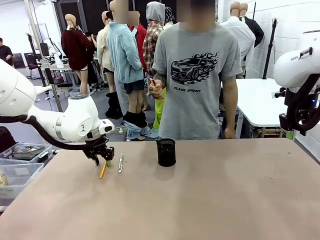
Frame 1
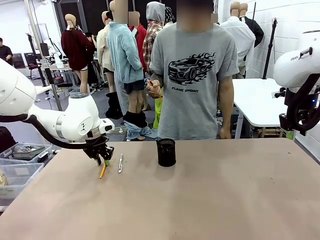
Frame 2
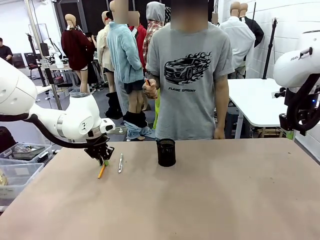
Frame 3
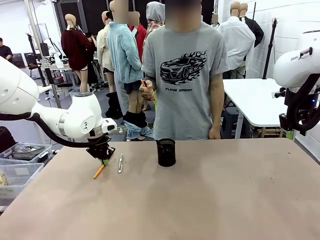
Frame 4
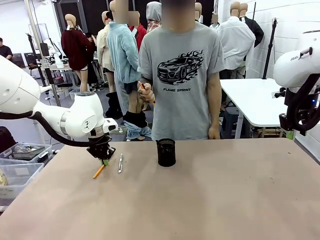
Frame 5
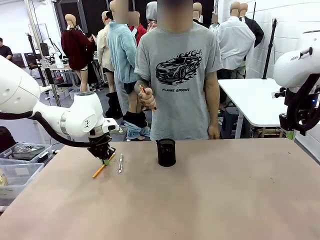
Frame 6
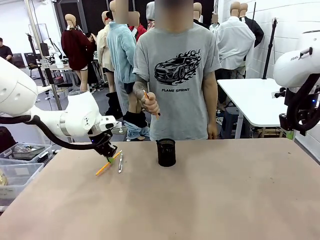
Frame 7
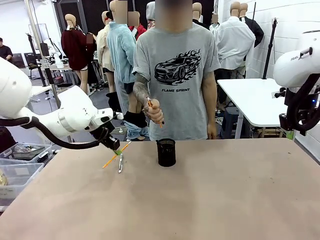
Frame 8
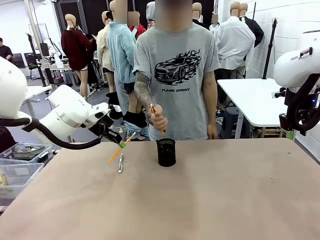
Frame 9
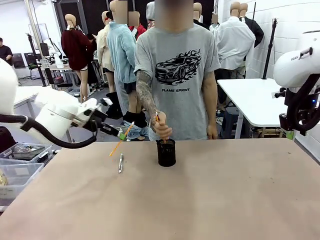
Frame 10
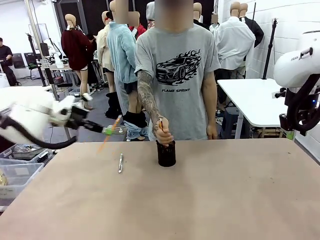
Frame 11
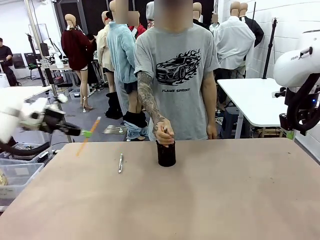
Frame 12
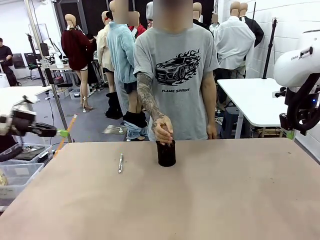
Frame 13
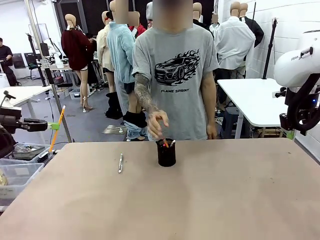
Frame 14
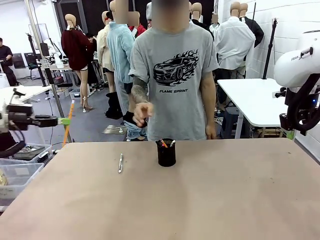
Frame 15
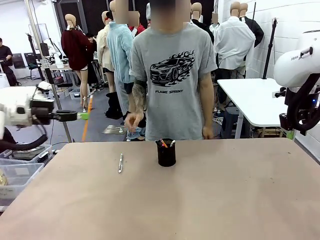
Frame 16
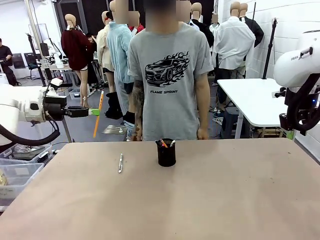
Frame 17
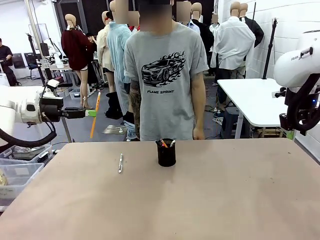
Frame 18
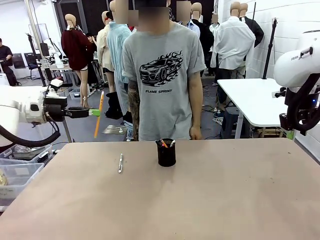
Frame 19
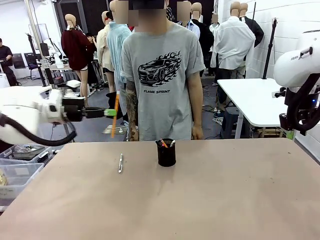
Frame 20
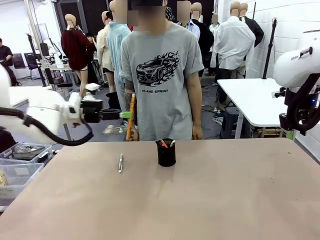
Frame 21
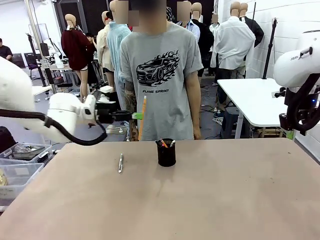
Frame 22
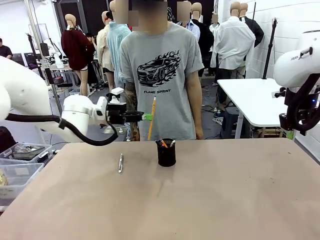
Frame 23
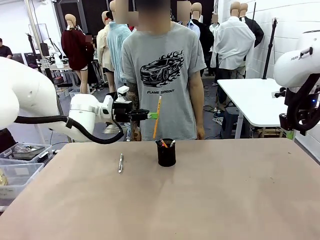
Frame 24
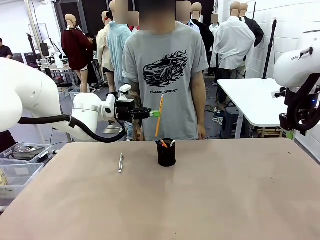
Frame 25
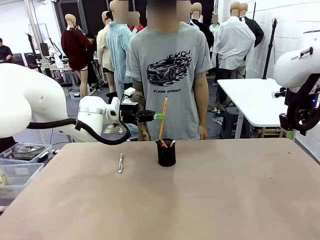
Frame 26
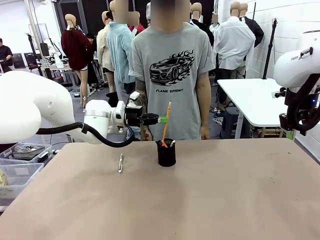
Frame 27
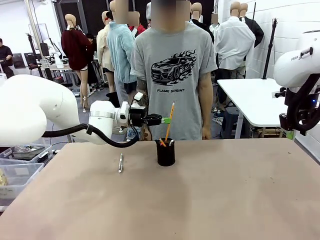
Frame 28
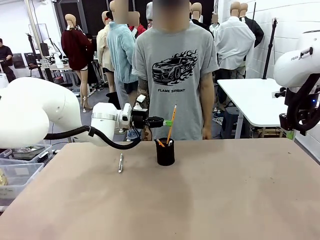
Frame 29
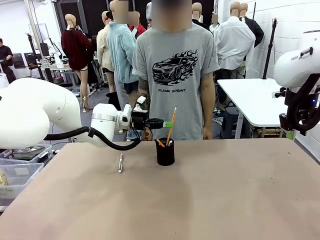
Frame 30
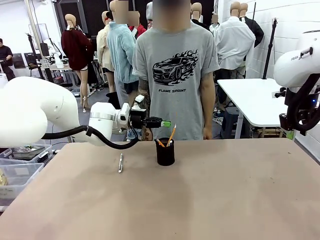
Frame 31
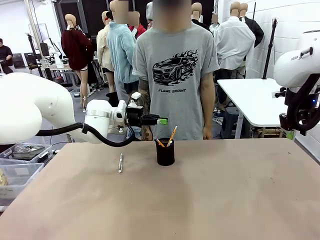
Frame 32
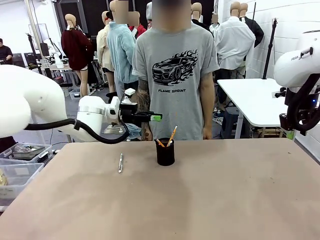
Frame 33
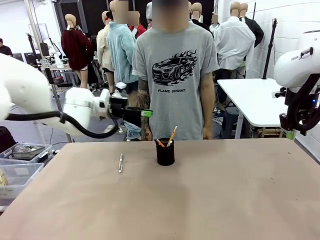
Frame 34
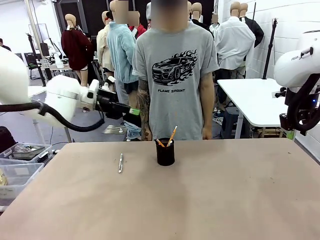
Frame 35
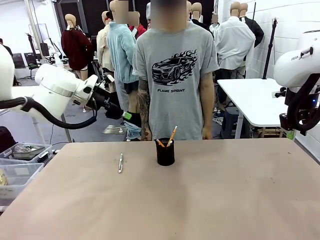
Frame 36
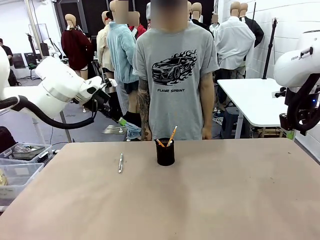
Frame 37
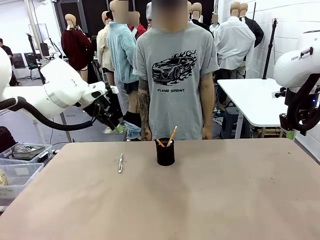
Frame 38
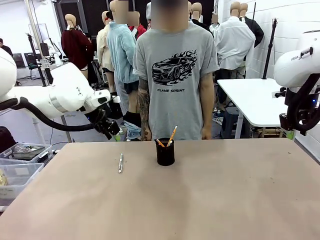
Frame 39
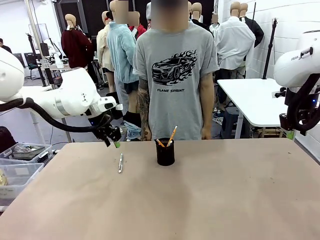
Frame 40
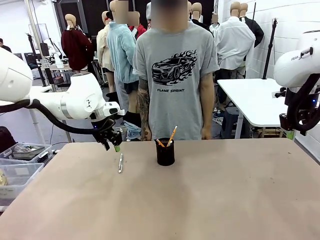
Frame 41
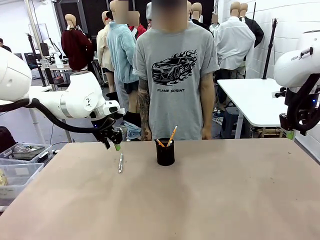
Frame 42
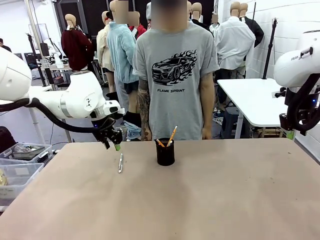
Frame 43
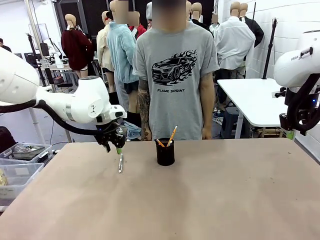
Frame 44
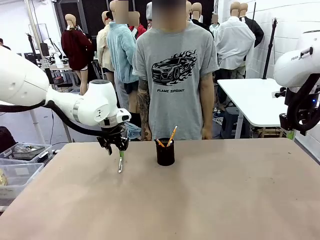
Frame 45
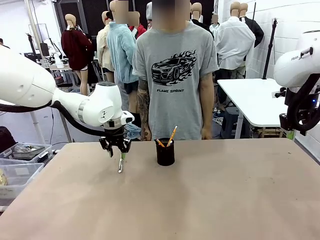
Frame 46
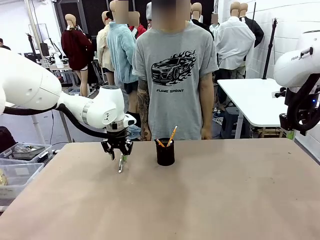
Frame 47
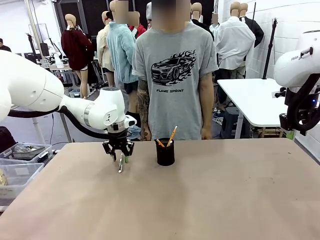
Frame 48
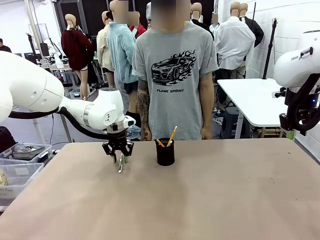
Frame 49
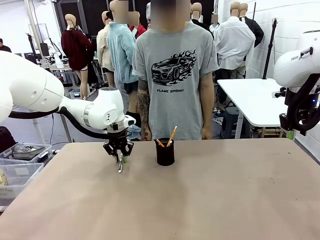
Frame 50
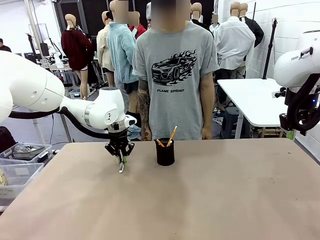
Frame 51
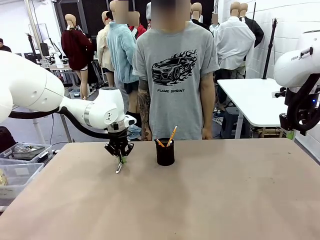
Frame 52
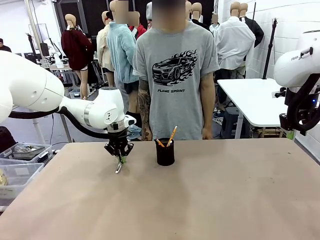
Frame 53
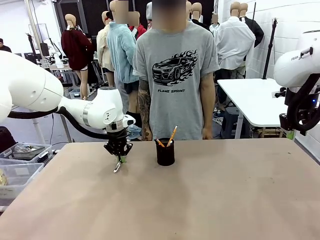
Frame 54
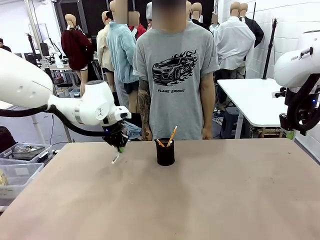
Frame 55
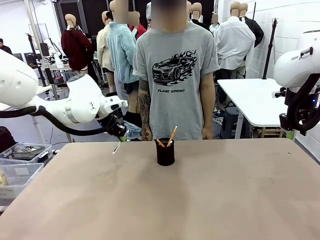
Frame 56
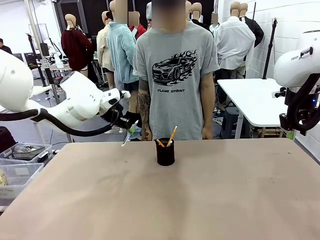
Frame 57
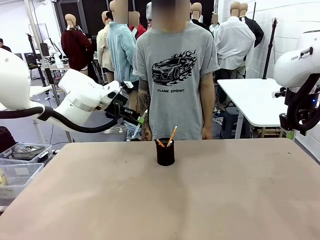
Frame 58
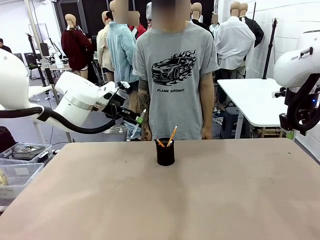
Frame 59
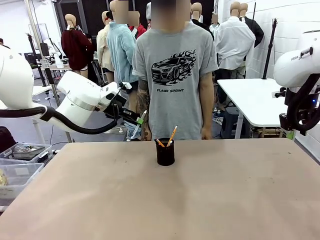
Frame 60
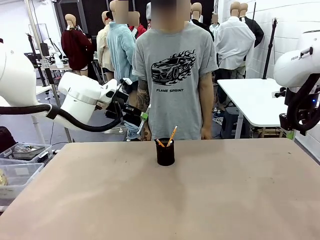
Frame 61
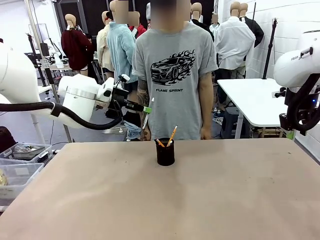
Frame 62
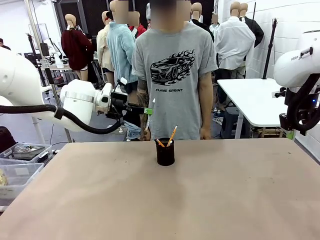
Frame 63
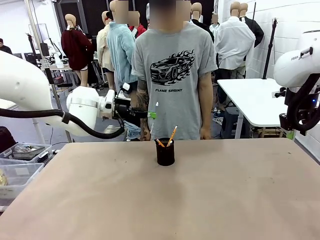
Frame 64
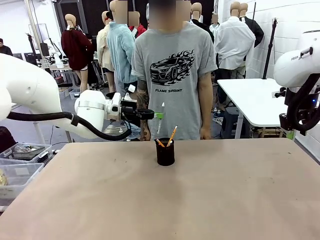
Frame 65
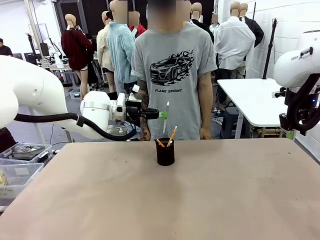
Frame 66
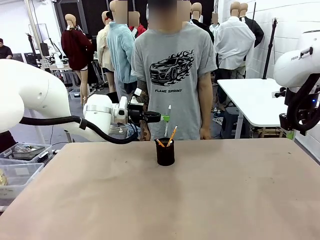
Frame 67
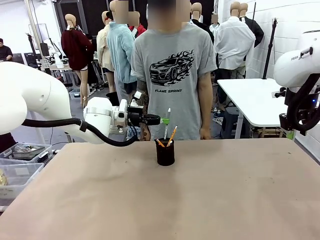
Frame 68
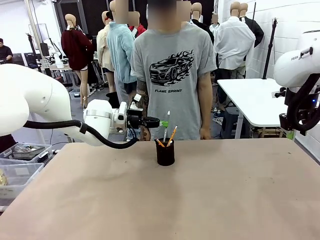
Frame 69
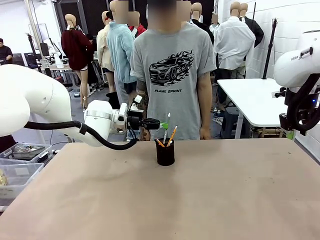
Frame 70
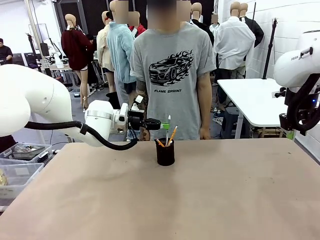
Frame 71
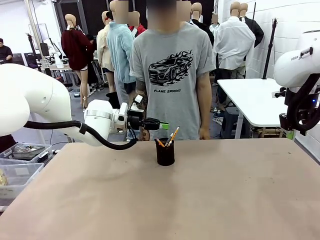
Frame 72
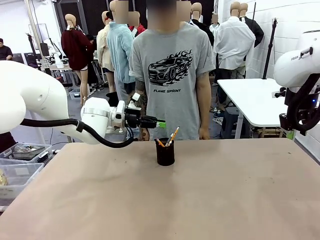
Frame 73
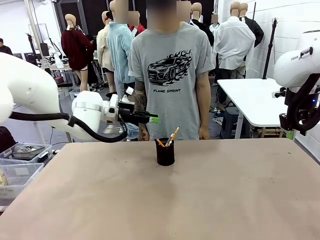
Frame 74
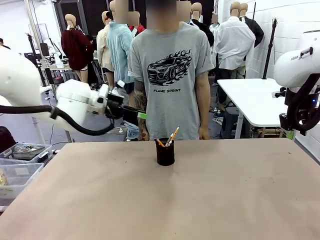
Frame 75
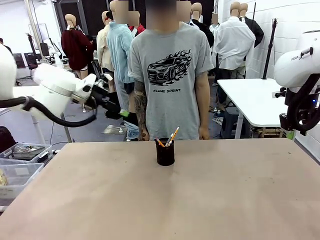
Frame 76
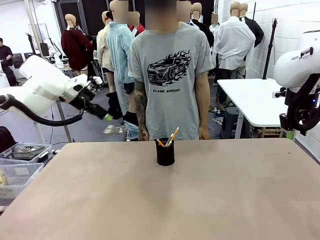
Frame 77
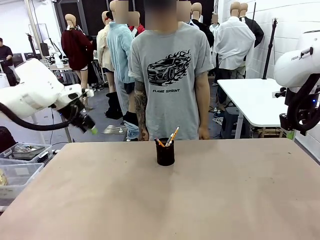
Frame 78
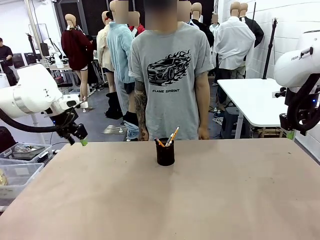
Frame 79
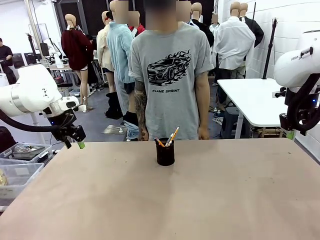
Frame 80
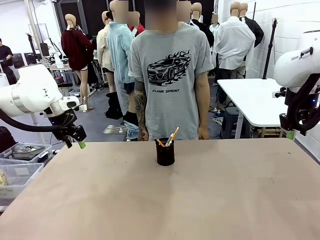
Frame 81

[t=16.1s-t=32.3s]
Task: Place the pens into the pen holder.
Robot: Pick up a writing instrument from the table and place it into the Pen holder.
Person: Place all writing instrument into the Pen holder.
